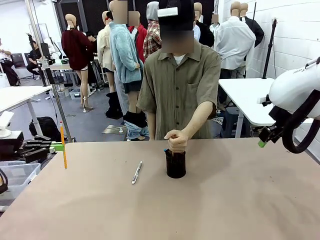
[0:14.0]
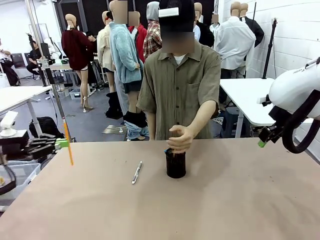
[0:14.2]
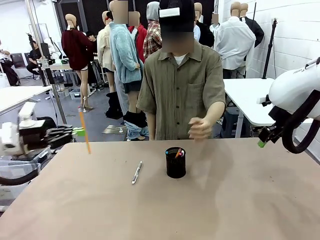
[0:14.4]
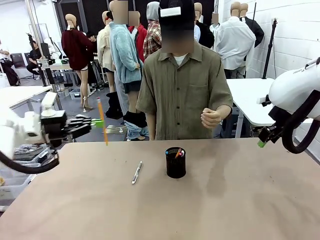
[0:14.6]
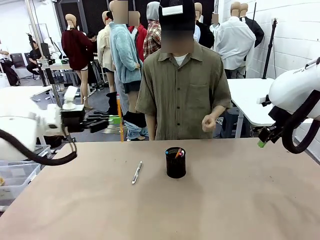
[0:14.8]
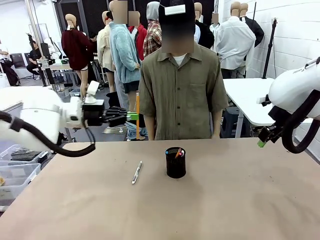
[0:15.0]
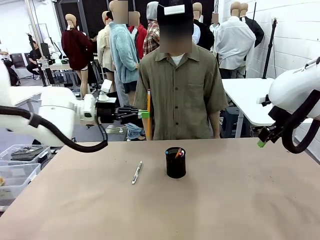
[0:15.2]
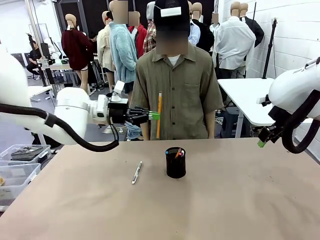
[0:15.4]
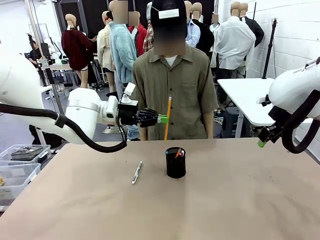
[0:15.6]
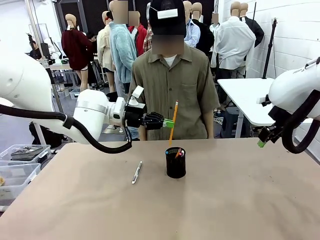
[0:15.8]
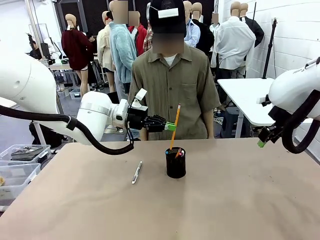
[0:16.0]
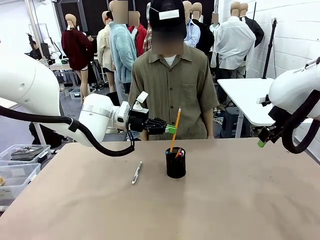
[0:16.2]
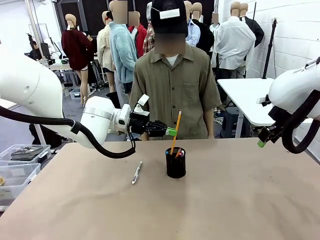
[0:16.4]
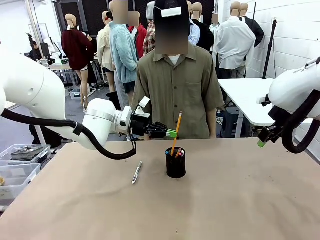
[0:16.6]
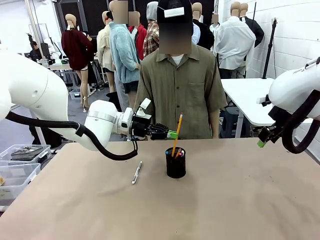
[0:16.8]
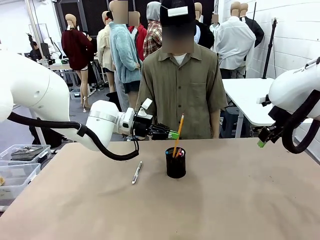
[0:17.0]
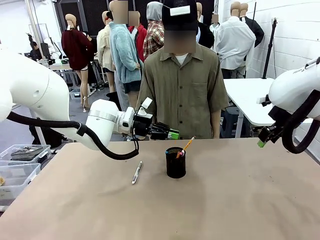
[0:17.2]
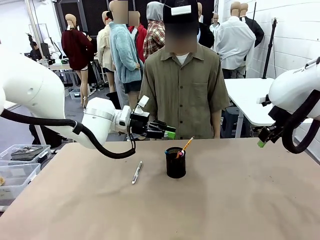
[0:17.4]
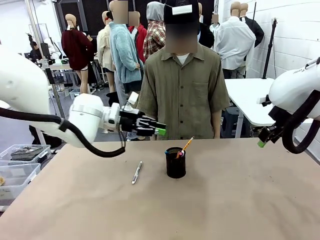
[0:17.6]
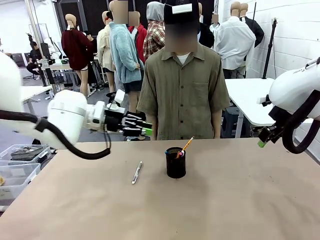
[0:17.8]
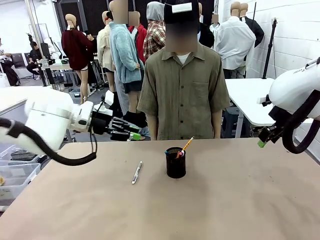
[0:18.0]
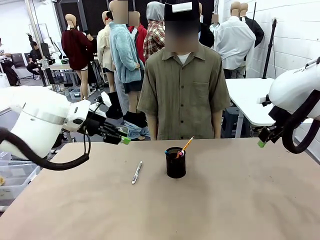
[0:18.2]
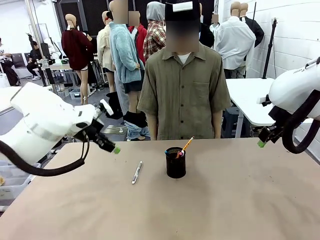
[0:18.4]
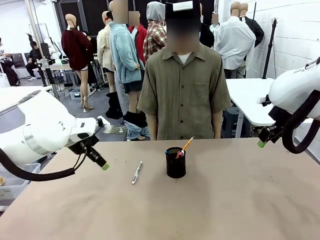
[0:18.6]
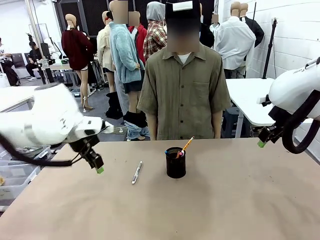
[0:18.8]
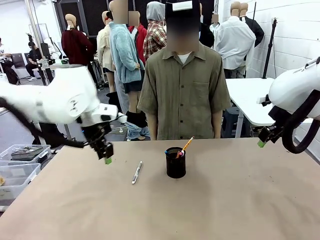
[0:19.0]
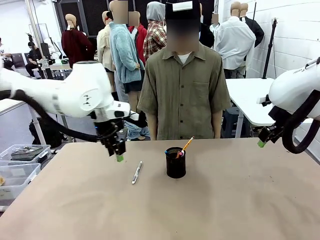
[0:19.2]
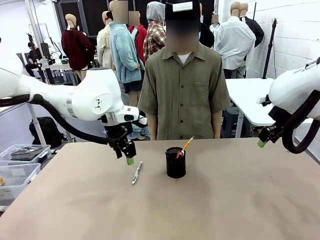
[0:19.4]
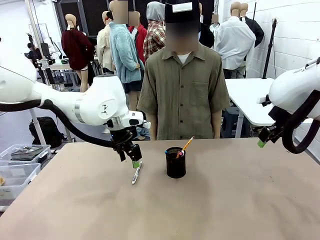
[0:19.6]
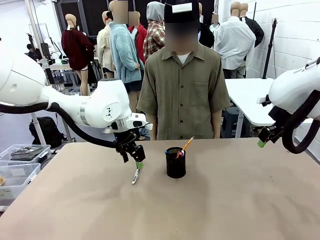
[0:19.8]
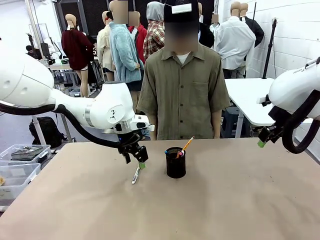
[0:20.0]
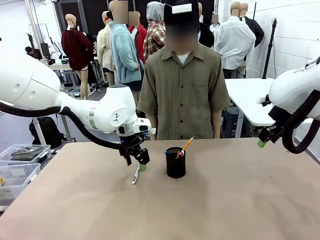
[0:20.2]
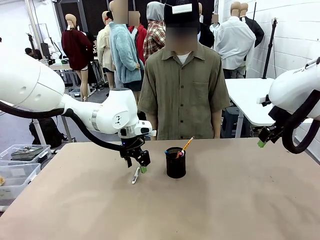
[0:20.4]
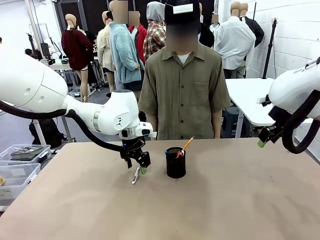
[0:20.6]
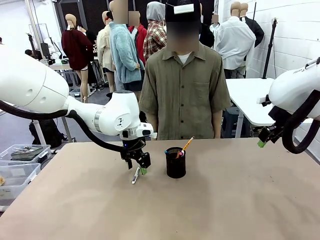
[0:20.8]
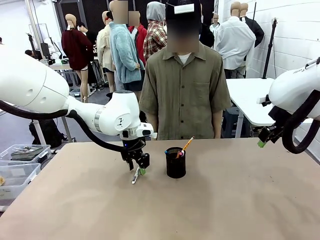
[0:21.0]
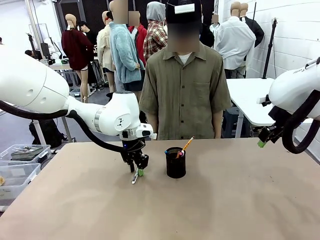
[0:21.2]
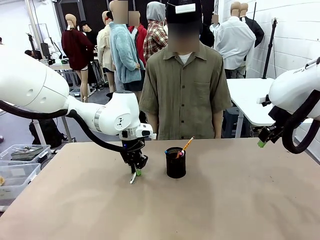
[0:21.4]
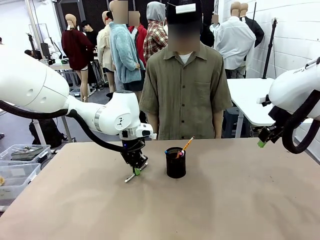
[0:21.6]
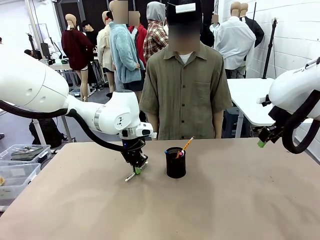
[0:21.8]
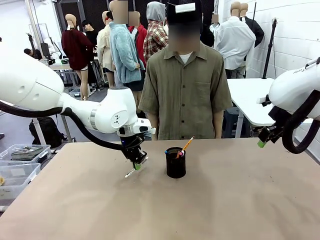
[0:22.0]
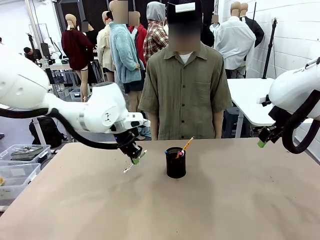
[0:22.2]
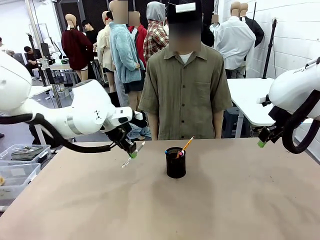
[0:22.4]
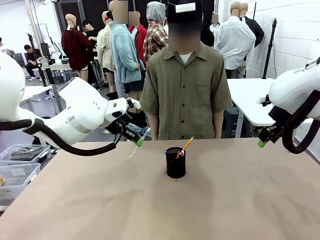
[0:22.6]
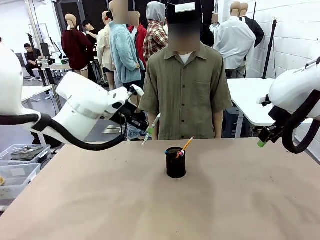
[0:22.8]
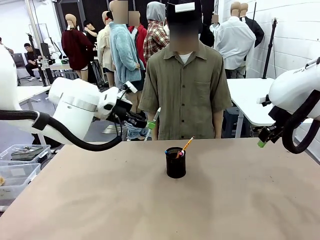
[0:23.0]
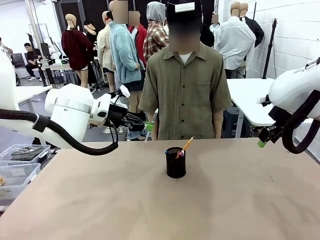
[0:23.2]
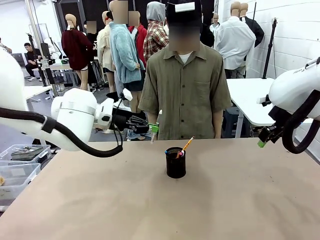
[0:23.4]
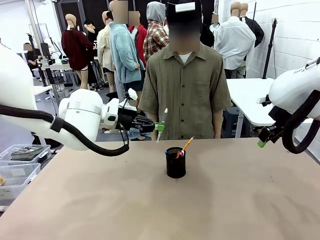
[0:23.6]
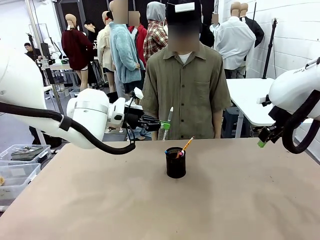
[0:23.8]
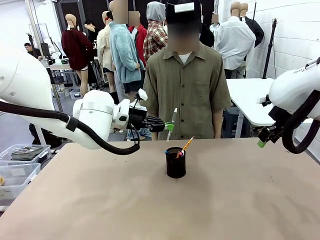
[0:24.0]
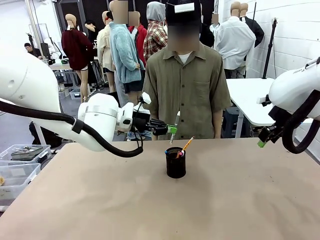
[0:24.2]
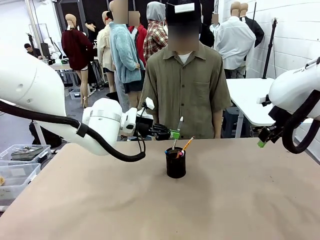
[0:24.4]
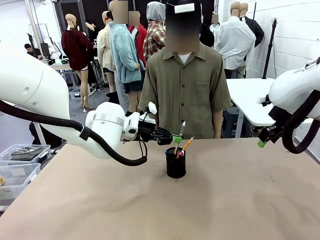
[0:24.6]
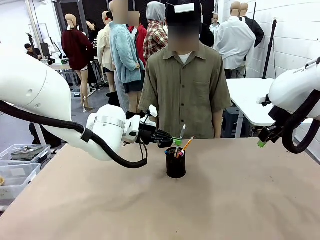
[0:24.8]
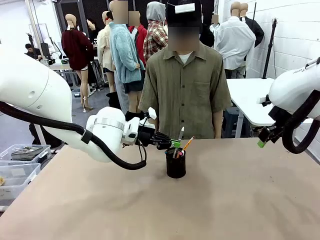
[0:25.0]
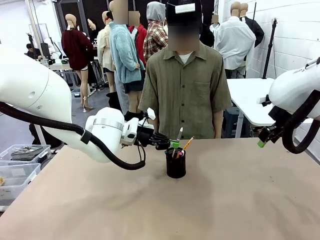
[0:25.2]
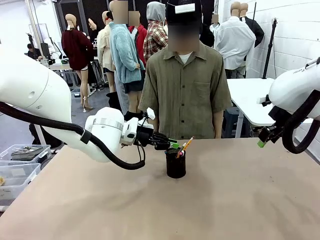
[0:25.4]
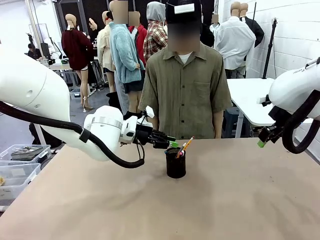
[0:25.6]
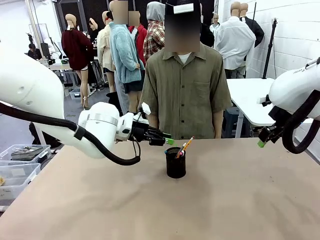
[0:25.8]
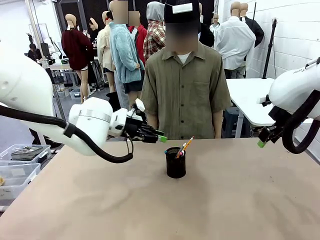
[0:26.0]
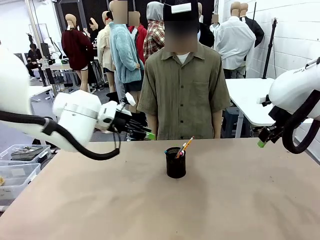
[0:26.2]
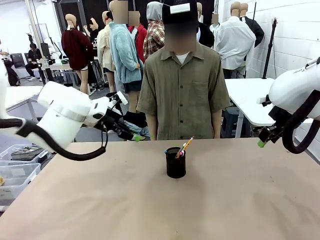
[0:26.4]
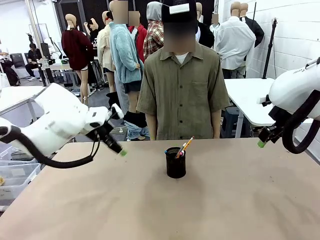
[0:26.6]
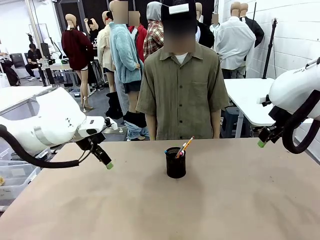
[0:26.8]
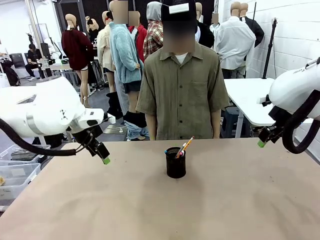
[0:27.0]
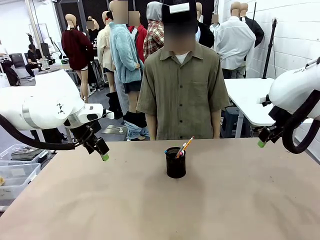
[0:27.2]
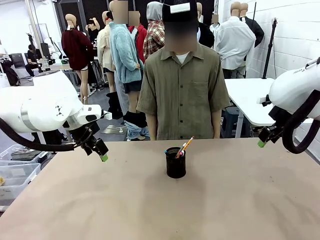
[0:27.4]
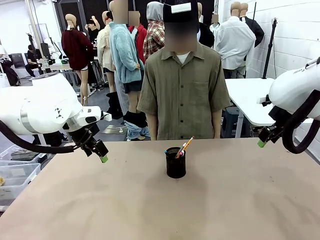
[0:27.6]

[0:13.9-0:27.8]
Task: Place the pens into the pen holder.
Robot: Pick up a writing instrument from the table and place it into the Pen holder.
Person: Place all writing instrument into the Pen holder.
